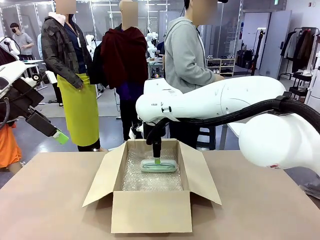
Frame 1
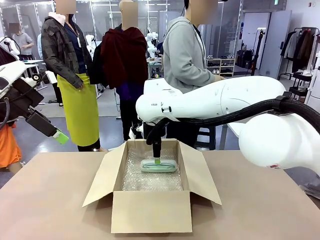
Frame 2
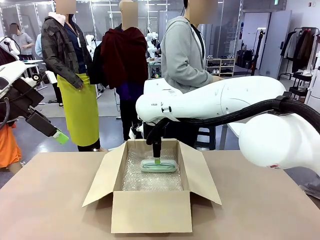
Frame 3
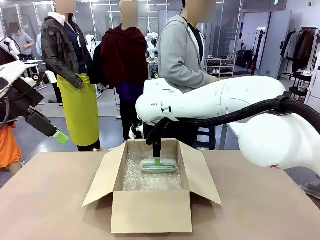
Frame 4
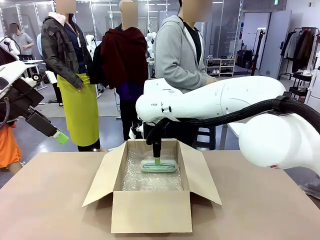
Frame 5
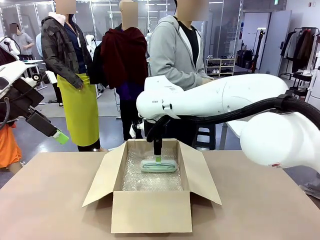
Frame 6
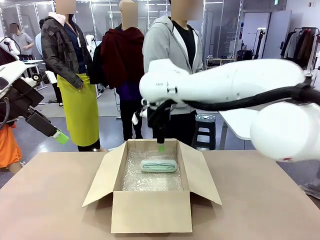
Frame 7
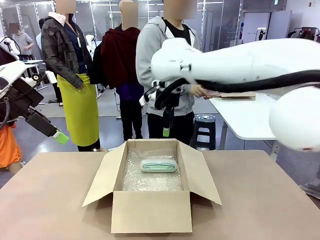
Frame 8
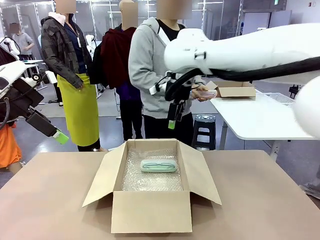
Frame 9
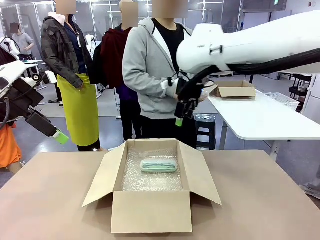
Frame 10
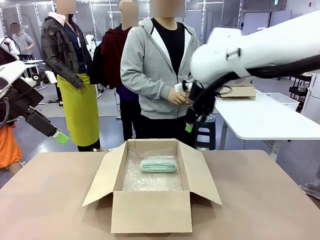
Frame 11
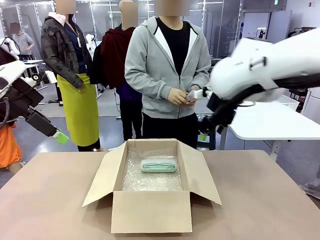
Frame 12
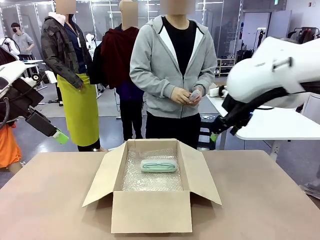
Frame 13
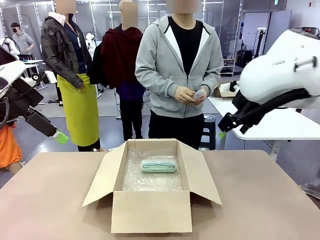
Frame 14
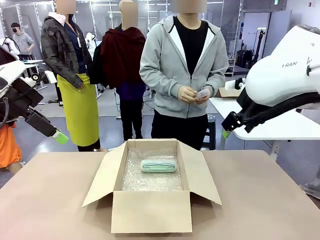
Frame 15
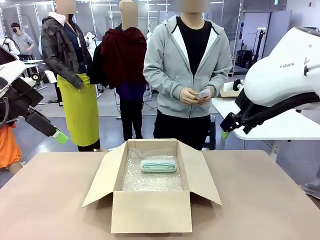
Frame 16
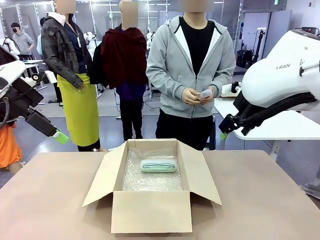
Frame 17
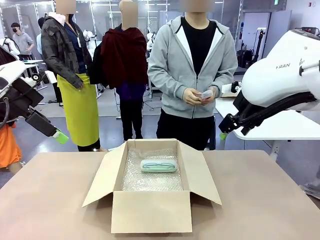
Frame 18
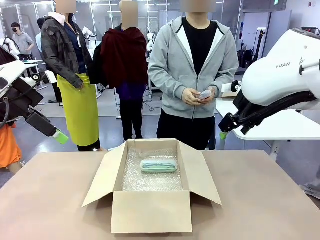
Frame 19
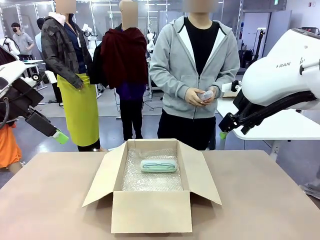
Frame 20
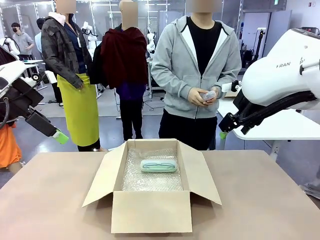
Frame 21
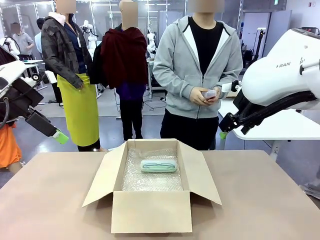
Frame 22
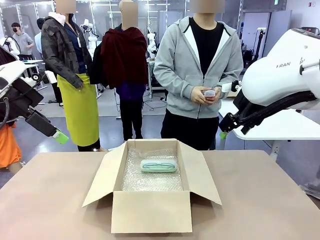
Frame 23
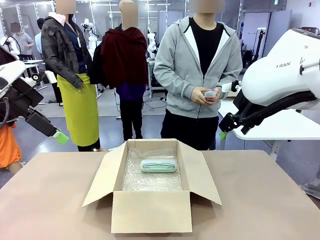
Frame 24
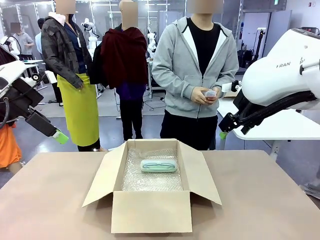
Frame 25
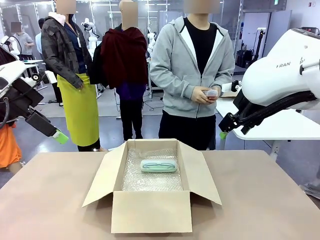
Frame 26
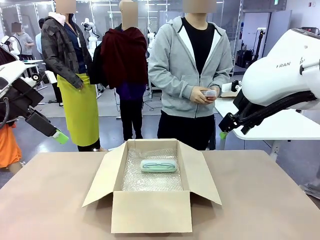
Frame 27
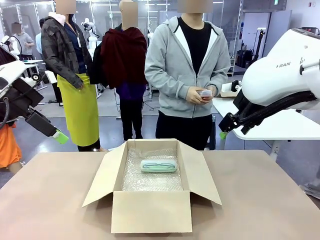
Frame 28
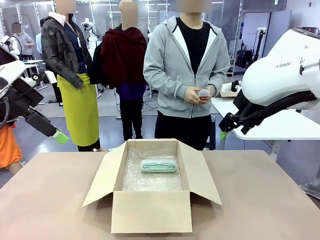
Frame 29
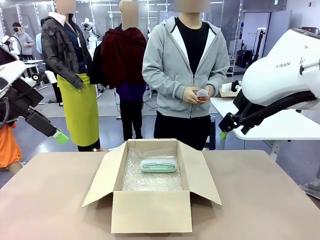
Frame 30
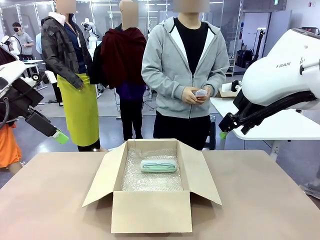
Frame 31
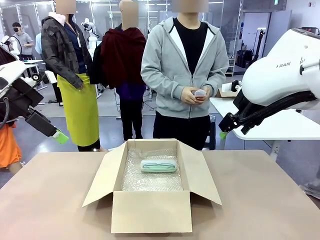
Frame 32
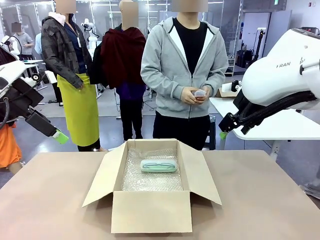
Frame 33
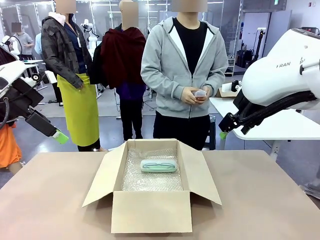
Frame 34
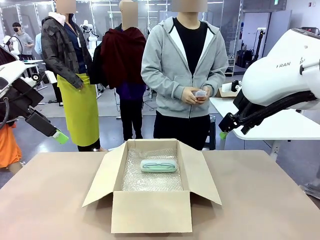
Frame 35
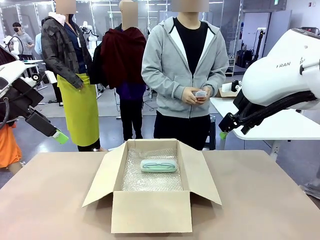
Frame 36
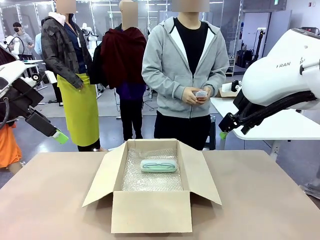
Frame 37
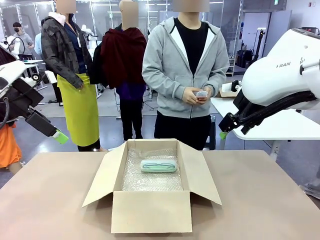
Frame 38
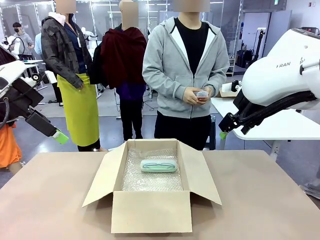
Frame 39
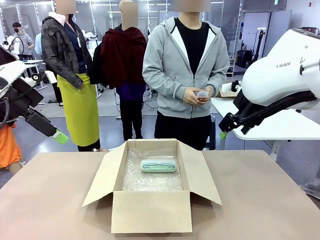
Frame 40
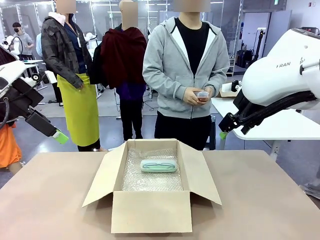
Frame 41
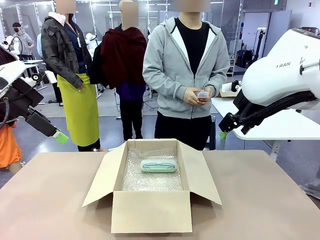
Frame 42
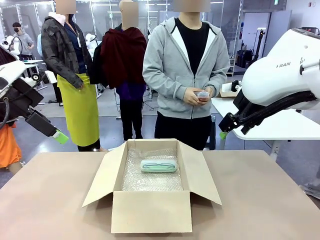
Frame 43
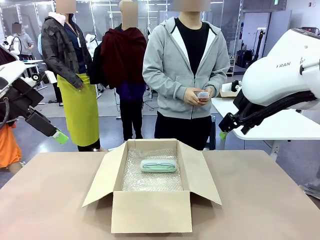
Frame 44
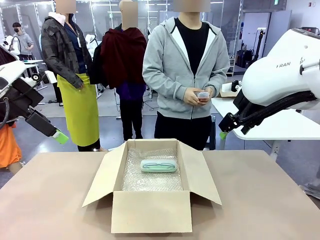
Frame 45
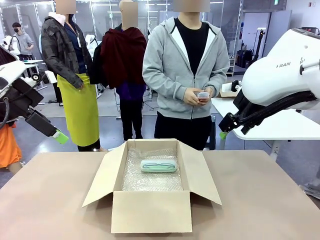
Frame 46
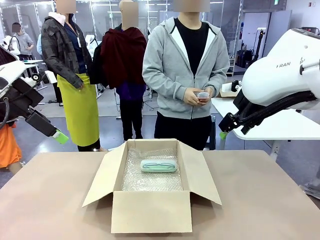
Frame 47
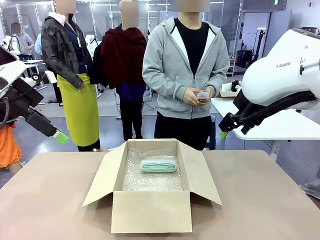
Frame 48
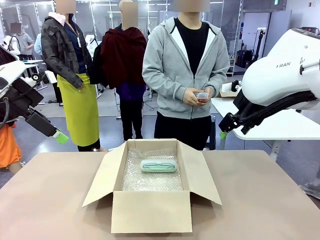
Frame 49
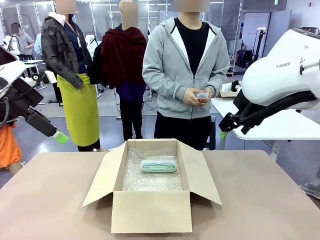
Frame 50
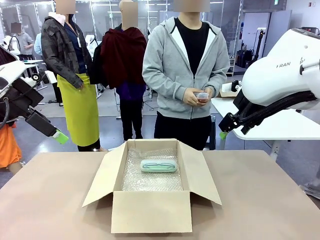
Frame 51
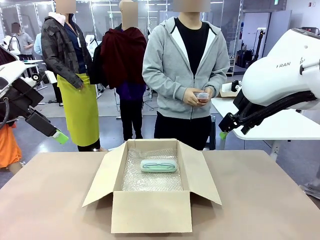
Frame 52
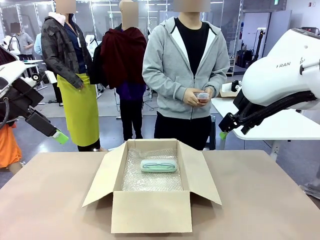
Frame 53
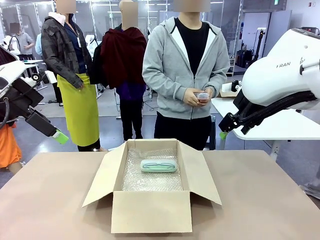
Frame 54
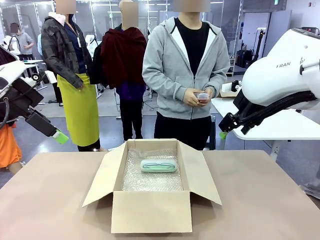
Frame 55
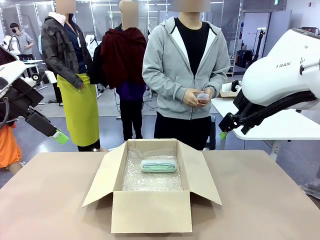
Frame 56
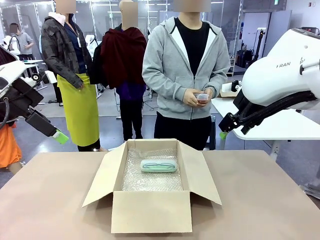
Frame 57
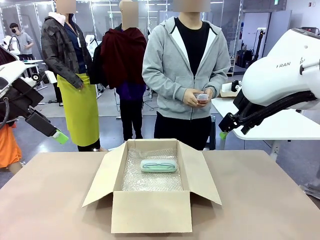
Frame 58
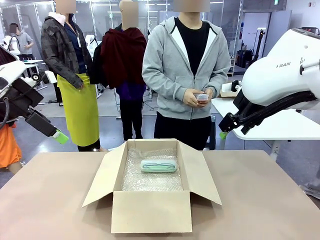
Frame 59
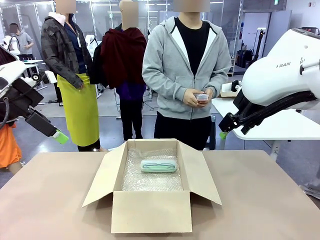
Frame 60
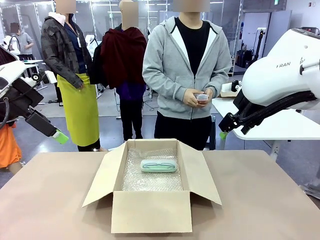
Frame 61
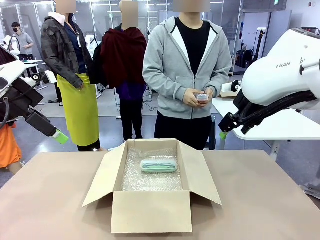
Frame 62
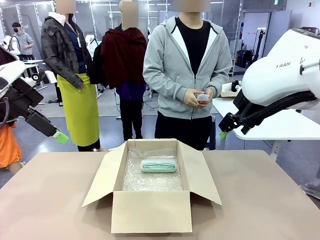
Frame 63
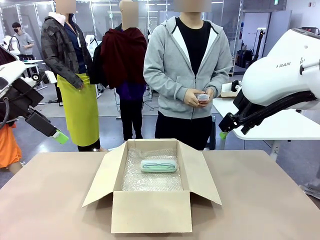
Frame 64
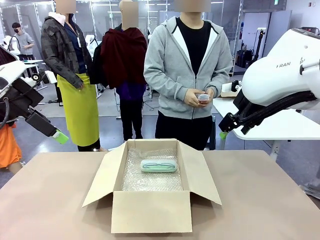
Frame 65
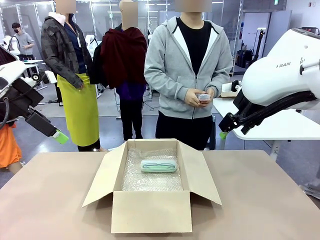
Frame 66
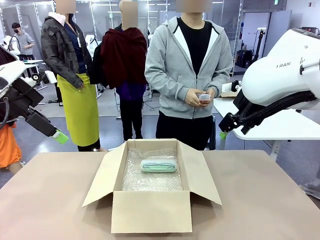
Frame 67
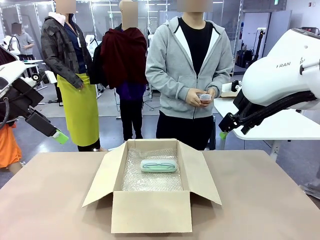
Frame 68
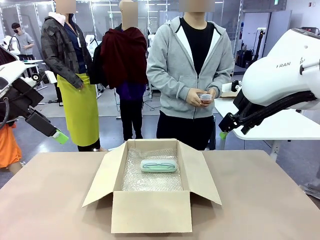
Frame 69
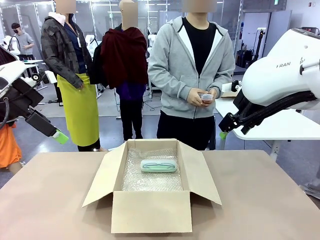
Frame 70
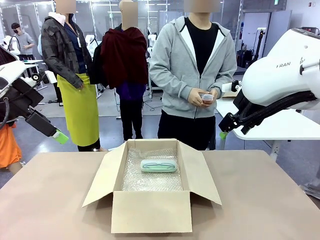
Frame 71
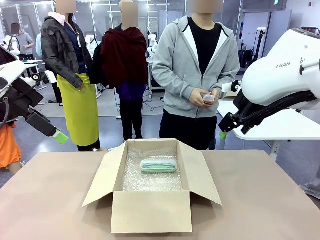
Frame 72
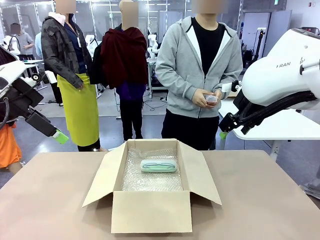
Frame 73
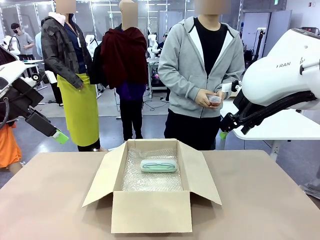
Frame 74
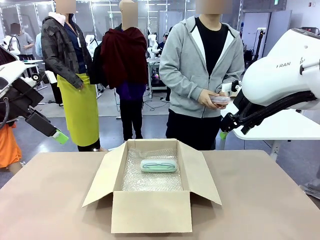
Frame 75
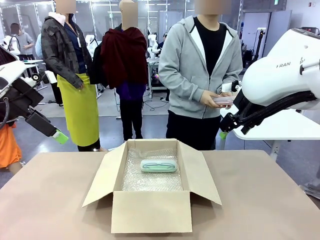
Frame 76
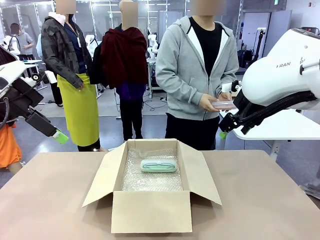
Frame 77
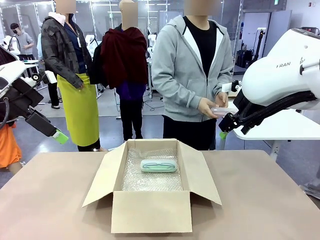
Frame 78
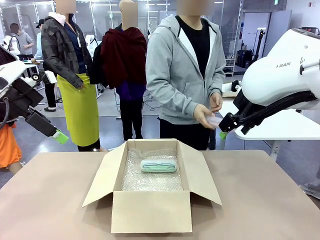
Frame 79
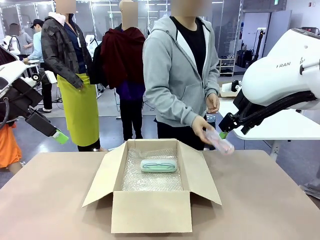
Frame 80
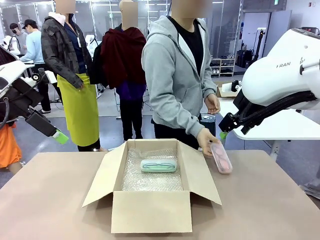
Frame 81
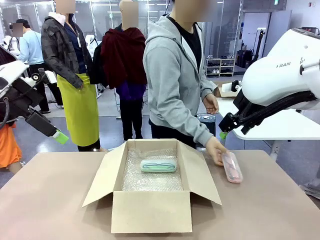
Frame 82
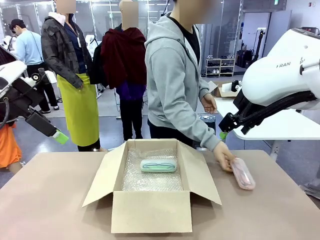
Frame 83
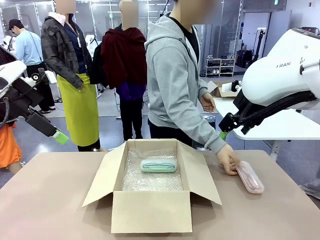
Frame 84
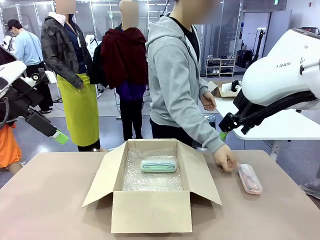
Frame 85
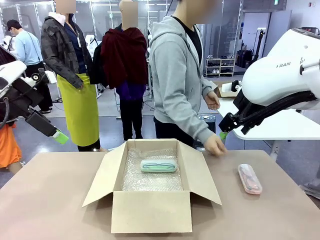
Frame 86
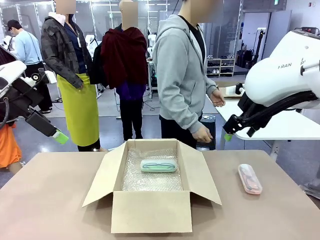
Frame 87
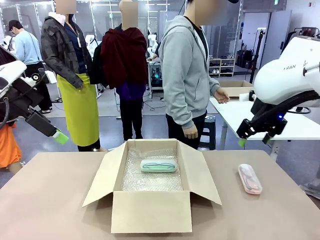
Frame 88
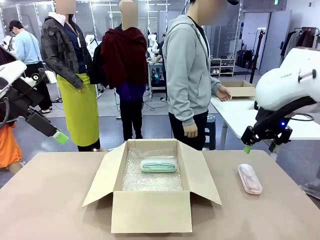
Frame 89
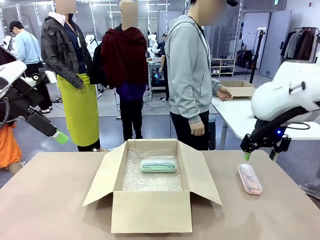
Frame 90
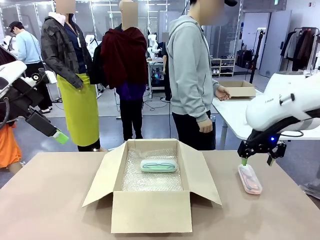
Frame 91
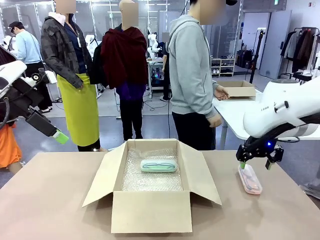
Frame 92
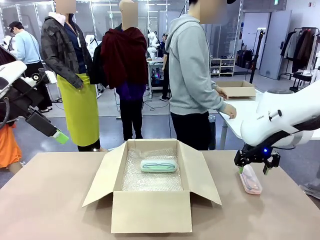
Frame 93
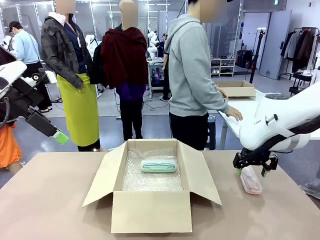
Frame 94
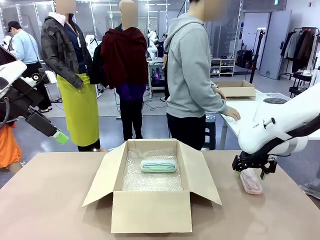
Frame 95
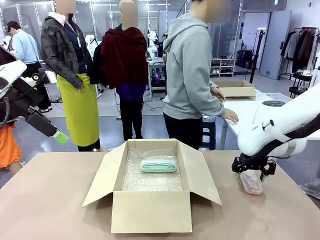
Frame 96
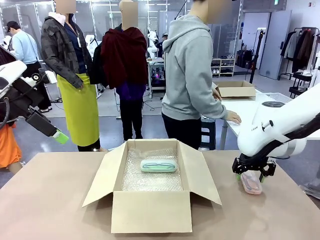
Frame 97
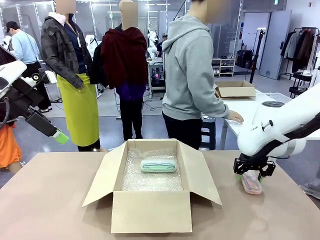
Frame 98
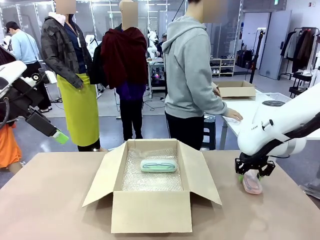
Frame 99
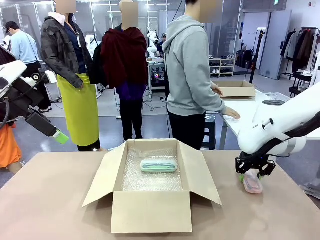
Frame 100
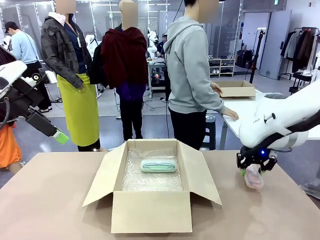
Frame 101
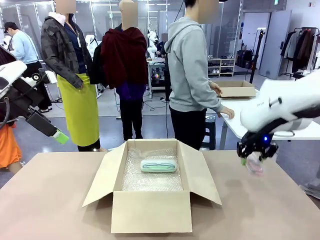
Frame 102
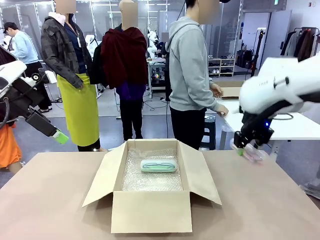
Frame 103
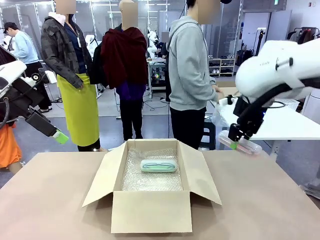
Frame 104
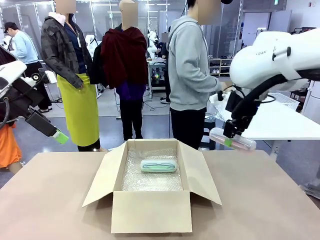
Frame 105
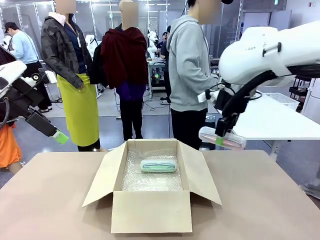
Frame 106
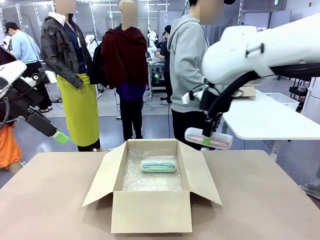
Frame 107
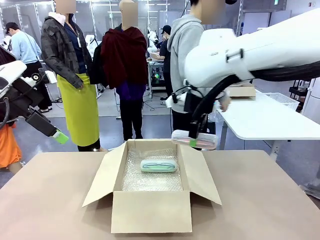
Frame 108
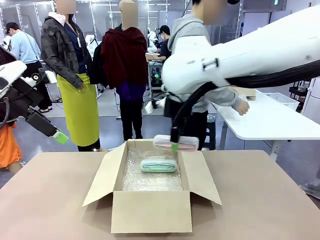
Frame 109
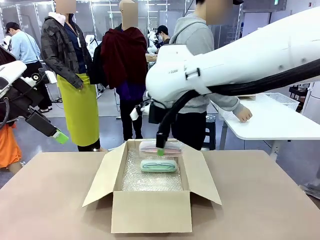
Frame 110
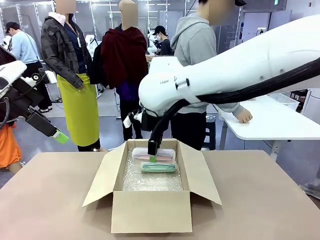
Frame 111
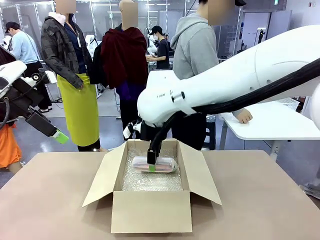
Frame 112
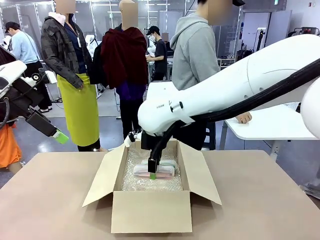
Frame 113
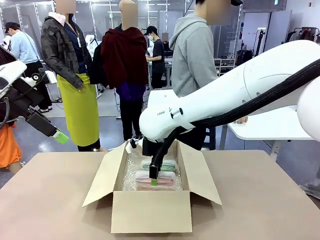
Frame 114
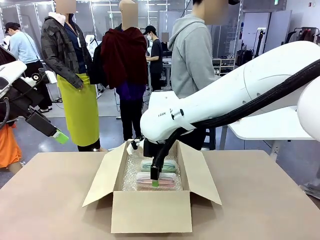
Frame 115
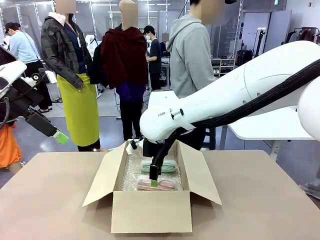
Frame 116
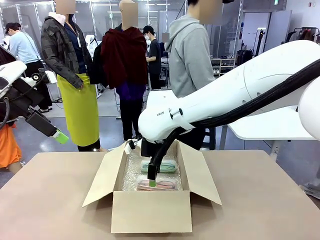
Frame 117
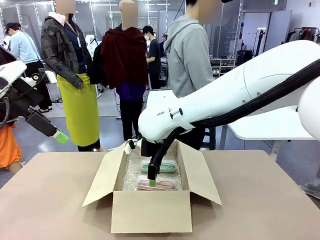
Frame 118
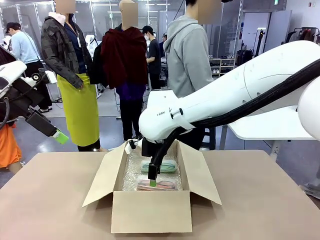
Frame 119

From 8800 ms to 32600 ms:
Task: Pack the glasses set securely to prepare it for shipping.
Robot: Put the Glasses case from the right side of the table into the Package Box.
Person: Position the Glasses case on the left side of the robot's table.
